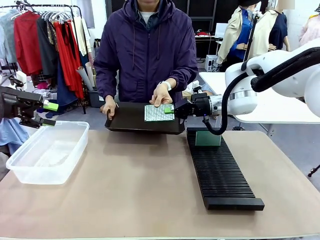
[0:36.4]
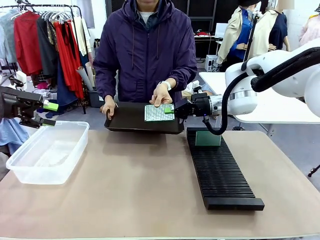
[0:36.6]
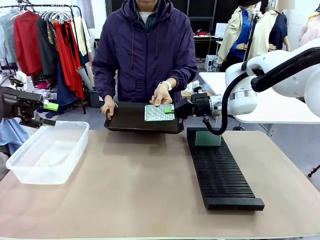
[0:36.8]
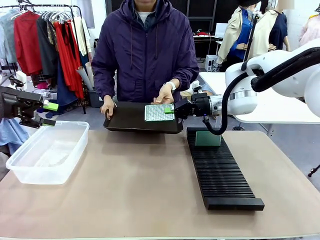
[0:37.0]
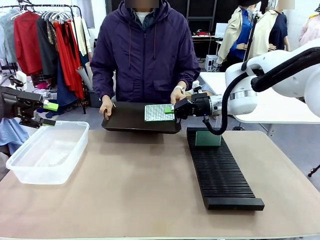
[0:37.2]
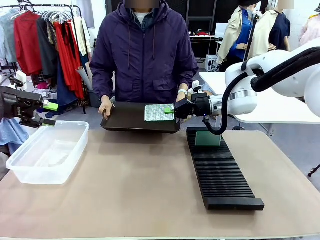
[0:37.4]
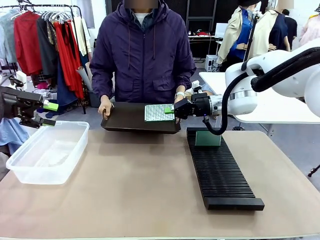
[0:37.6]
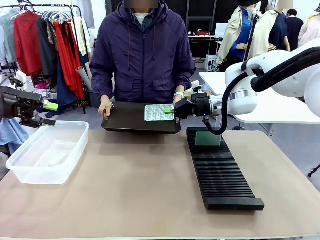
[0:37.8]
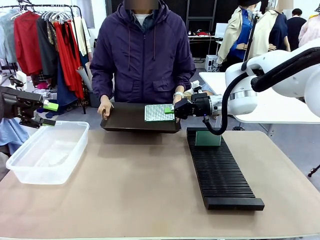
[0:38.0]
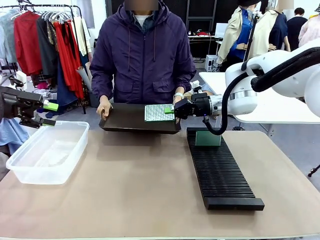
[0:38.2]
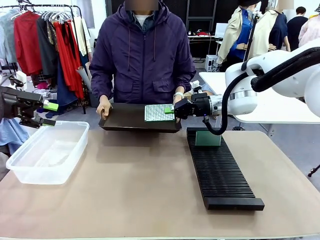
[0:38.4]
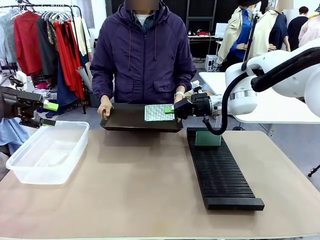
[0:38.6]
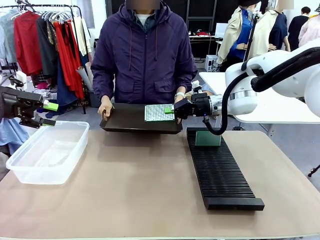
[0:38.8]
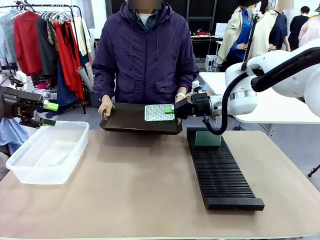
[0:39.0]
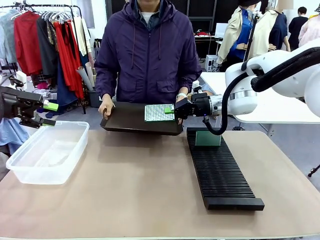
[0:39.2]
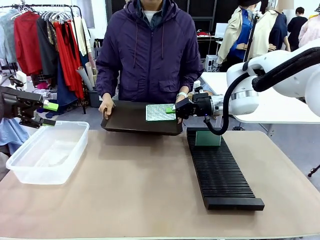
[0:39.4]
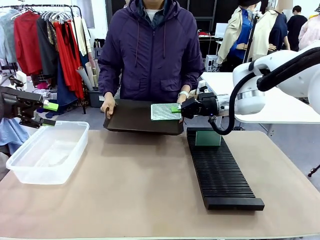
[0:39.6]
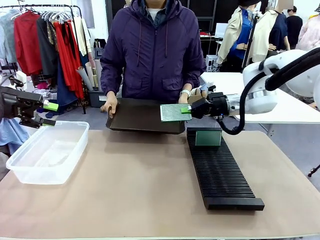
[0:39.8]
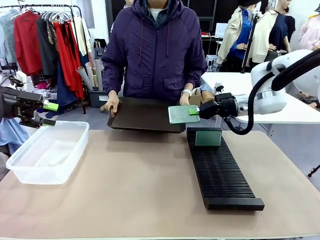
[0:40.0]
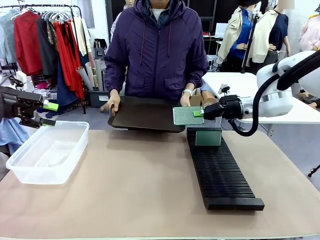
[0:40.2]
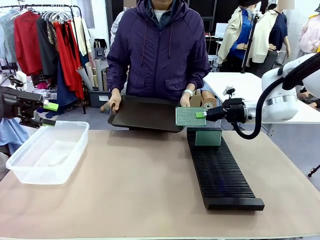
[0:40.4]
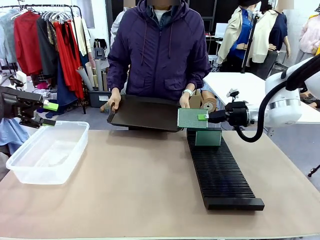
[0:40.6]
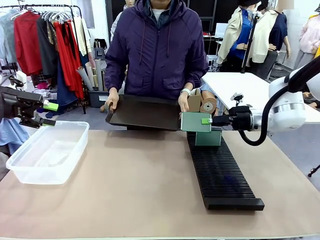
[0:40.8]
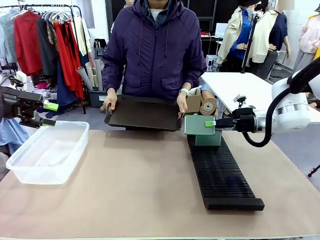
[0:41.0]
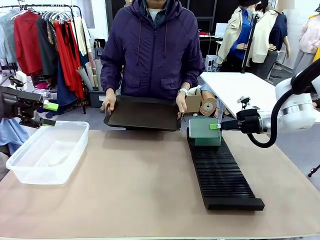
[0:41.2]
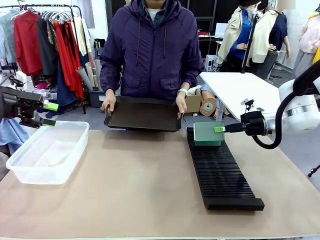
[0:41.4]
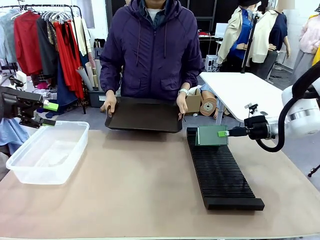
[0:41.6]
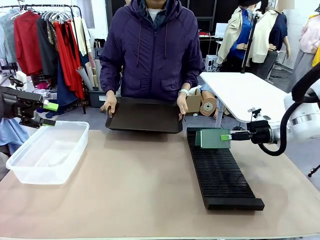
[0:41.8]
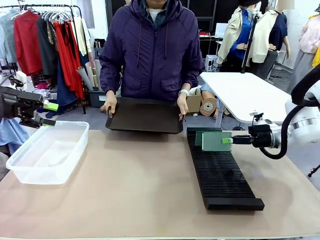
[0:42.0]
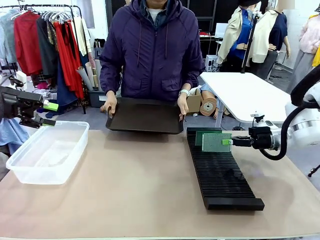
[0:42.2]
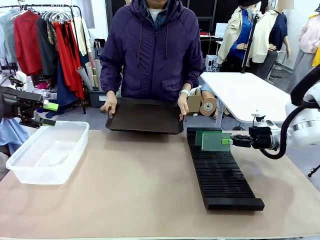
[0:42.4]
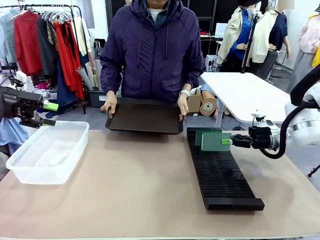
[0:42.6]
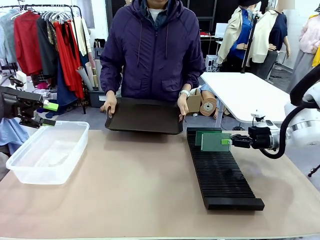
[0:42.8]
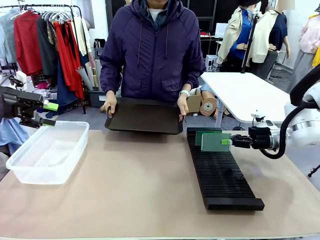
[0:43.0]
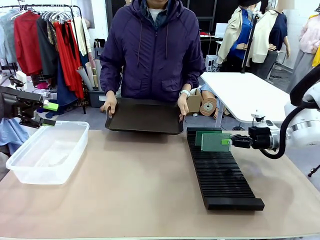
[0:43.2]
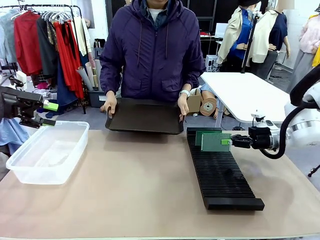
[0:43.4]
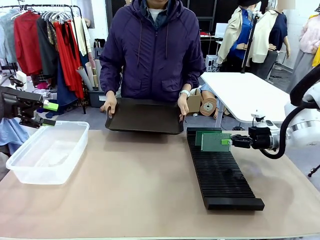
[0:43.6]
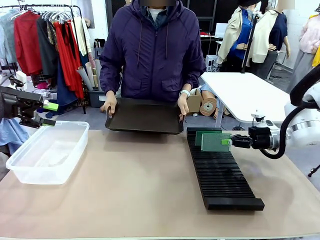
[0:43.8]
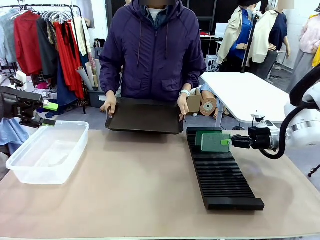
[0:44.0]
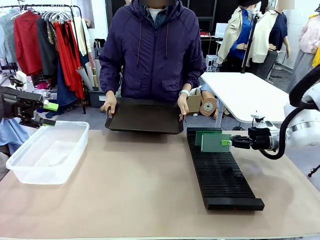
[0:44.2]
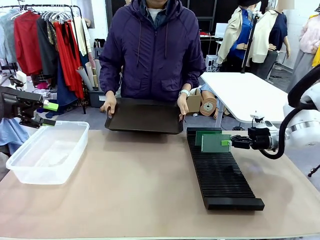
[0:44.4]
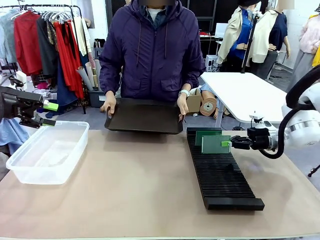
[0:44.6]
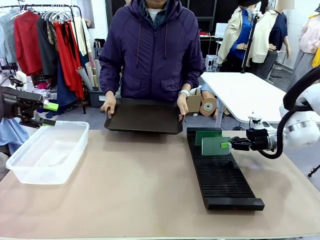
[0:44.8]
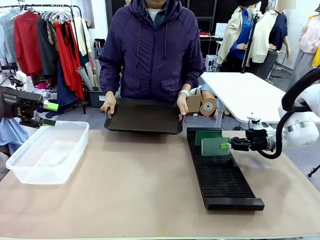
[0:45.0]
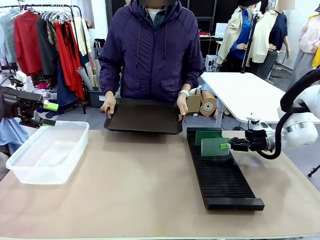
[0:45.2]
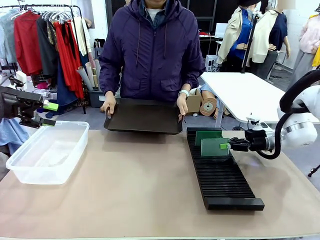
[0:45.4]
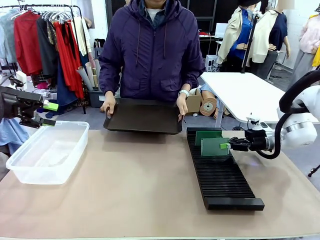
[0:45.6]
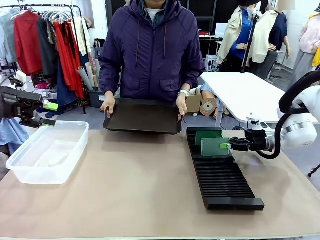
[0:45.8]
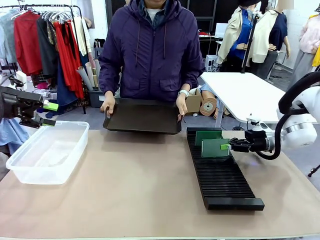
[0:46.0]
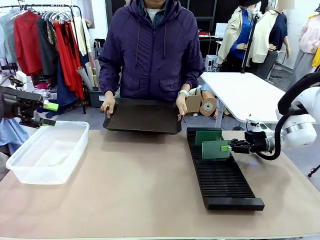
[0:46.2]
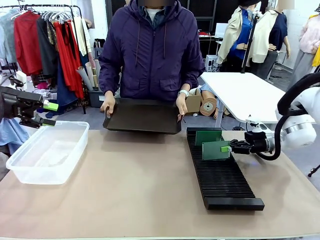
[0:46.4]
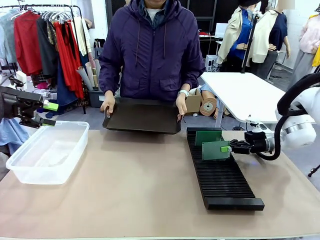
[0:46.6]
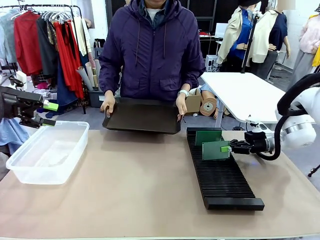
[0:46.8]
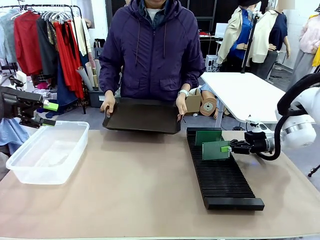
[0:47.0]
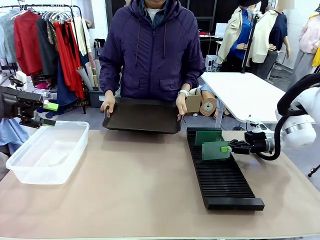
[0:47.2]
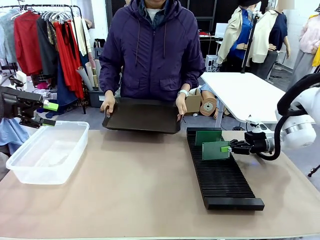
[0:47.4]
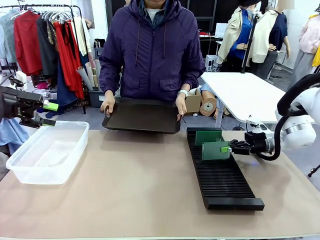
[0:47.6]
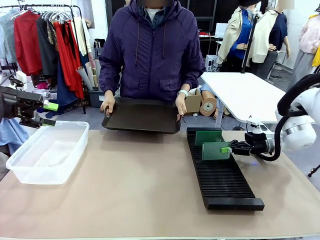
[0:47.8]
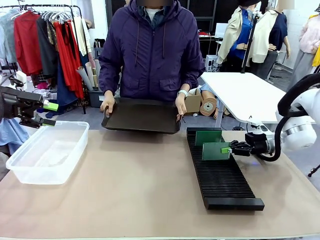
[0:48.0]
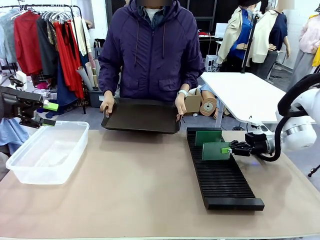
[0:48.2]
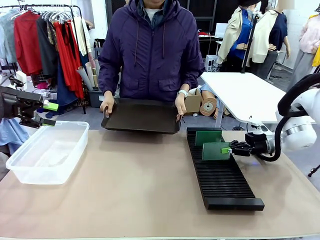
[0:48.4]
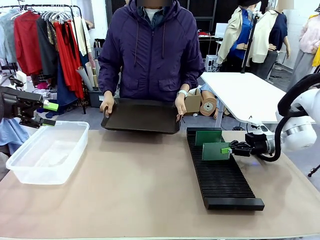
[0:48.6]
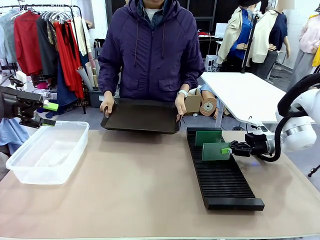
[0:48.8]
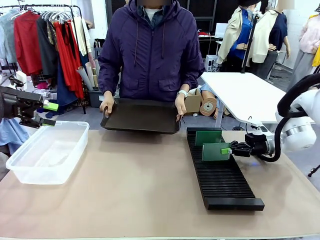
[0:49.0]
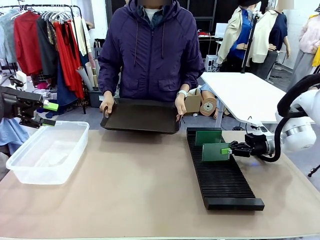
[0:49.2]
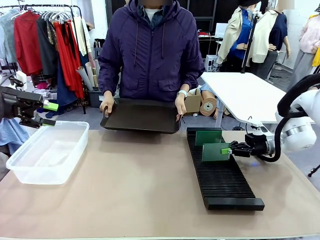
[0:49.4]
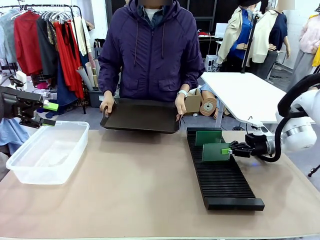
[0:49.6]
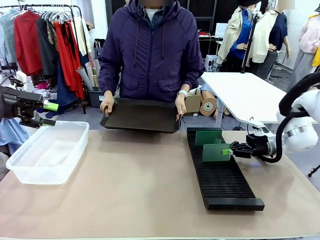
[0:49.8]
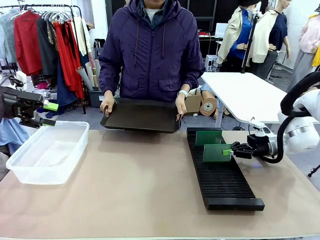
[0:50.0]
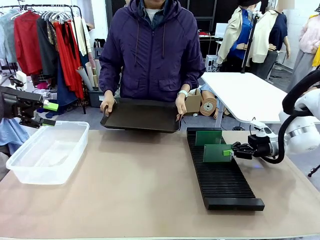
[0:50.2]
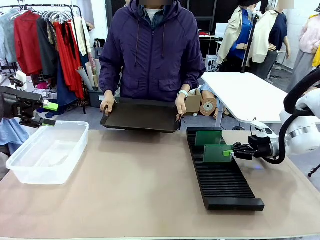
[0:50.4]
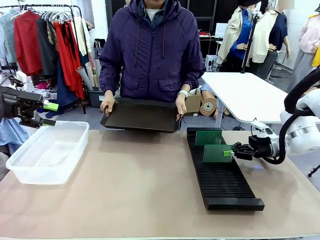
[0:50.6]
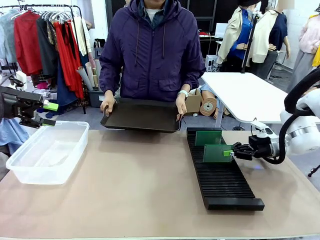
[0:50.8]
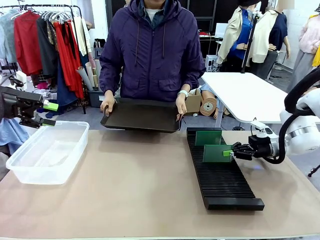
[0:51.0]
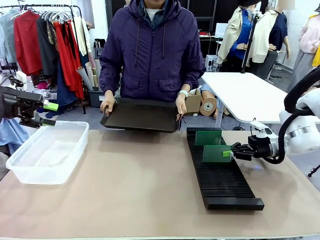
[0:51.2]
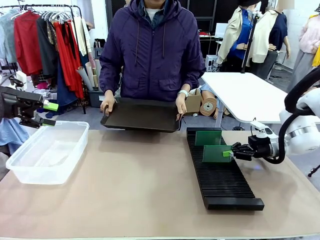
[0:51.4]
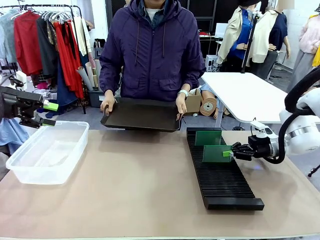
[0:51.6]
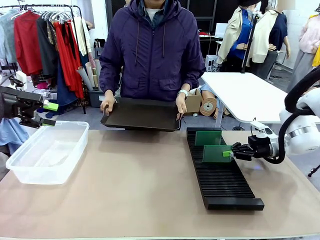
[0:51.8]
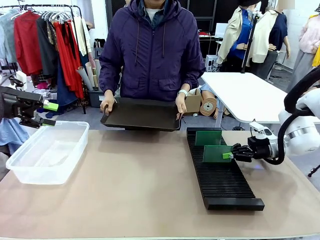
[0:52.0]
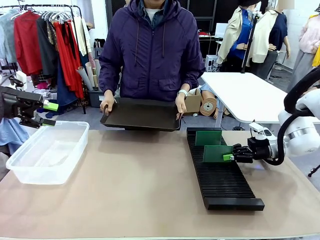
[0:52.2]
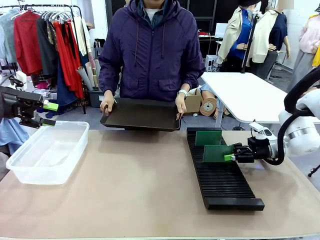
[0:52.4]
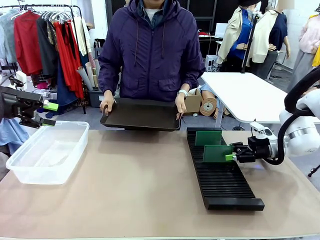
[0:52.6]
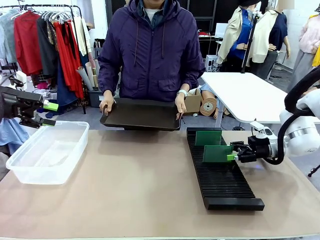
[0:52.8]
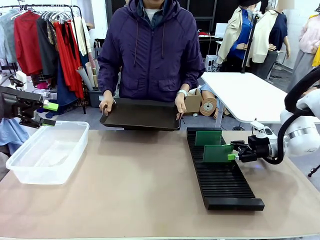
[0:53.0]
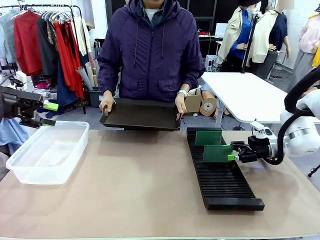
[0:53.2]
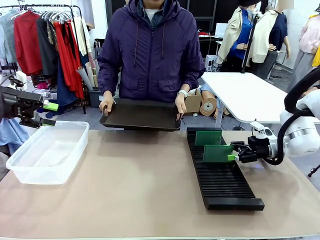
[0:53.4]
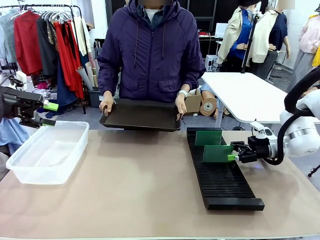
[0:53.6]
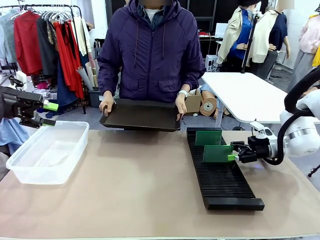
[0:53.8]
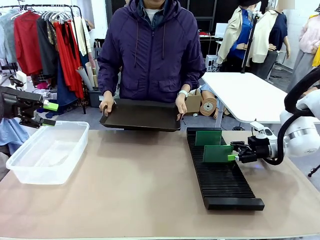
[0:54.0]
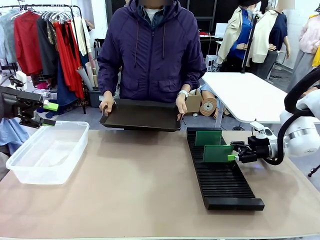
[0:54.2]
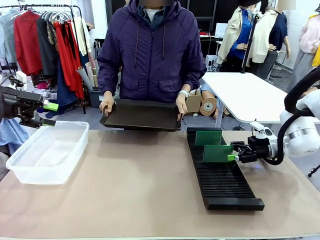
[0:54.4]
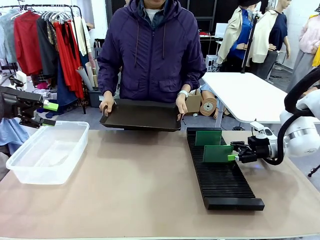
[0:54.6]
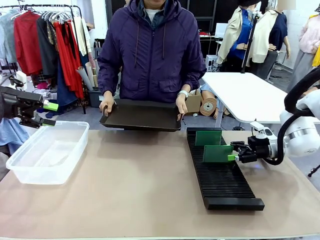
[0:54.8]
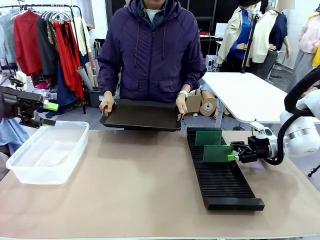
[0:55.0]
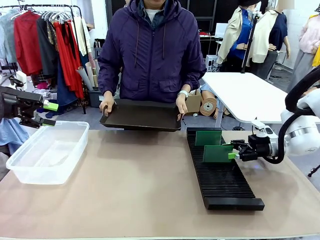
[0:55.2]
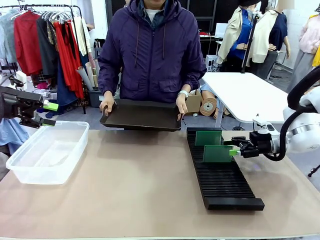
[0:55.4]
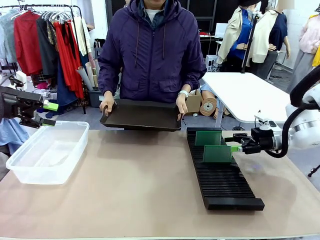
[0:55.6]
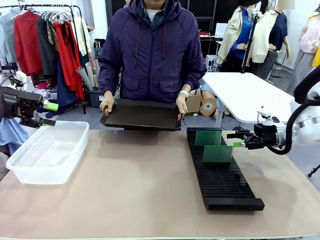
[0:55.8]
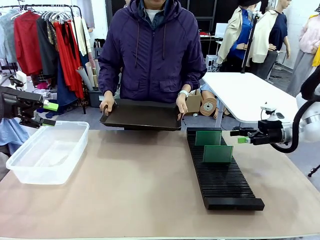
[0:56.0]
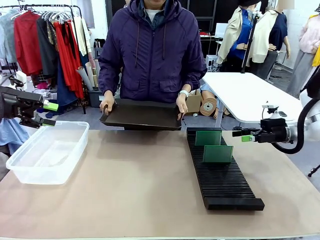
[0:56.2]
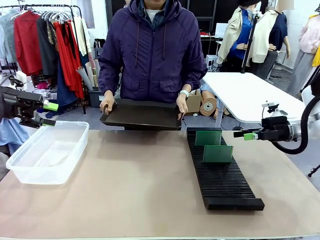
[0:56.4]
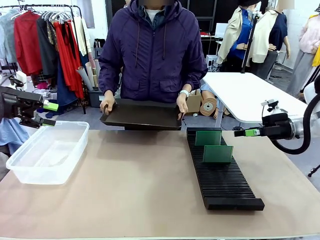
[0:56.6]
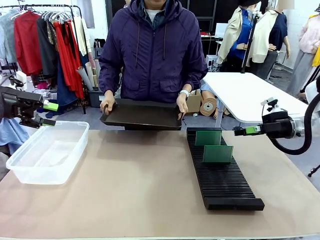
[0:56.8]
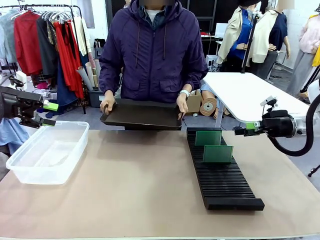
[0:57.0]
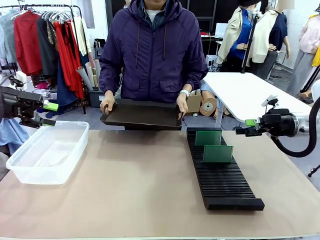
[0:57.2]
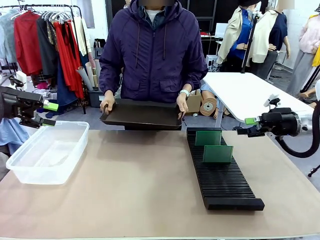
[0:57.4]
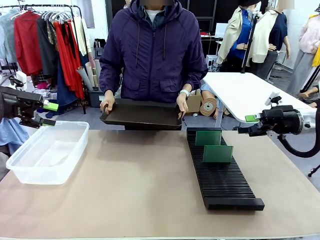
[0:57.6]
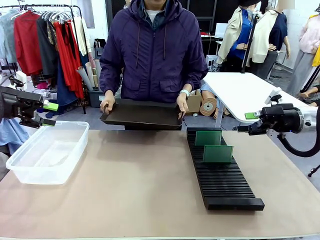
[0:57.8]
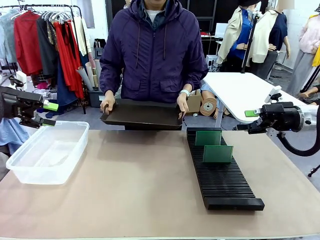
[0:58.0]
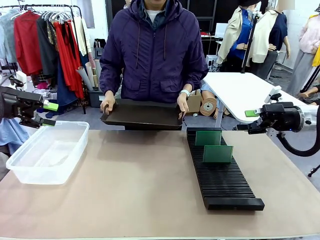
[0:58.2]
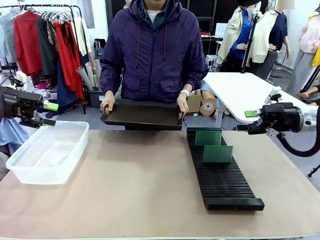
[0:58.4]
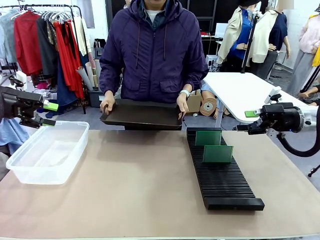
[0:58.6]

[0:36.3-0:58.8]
Task: Sort PCBs into racks and boxes based on the side picked up.
Robot: If the short side of the Blank PCB is picked up, insert it into the PCB Rack ; if the long side is picked up, place it in the Organizing box.
Person: Release the PCB being held.
